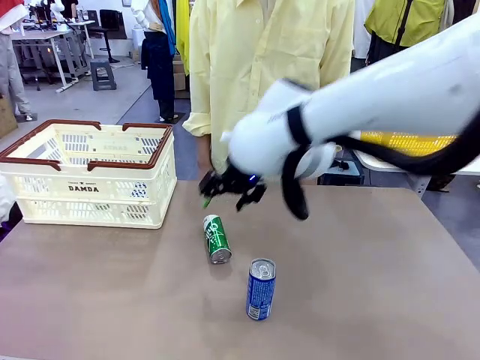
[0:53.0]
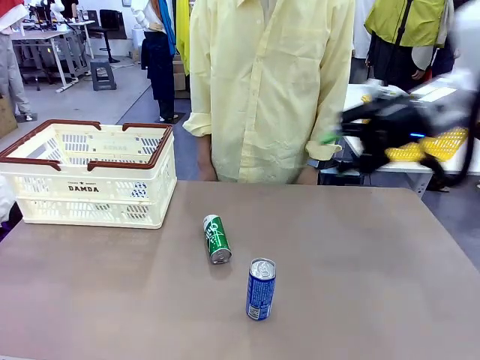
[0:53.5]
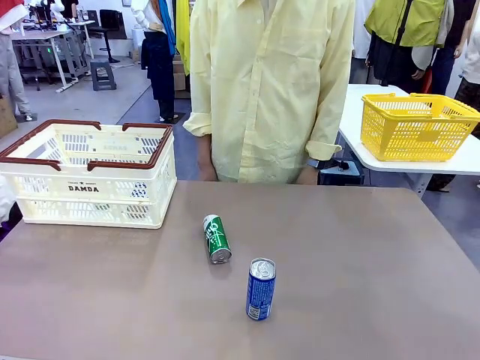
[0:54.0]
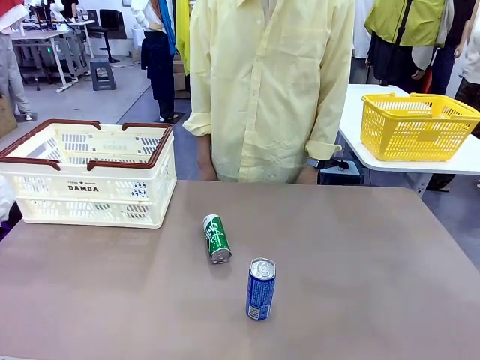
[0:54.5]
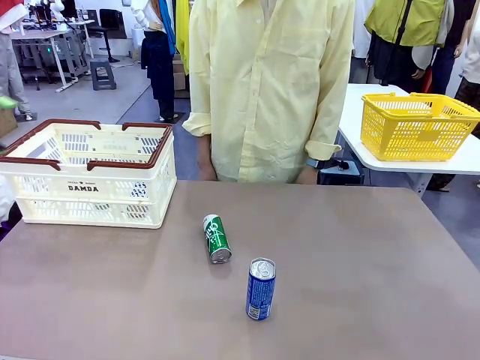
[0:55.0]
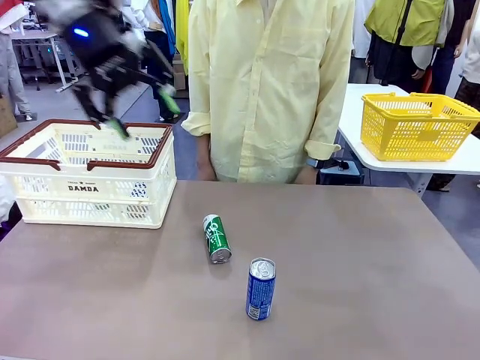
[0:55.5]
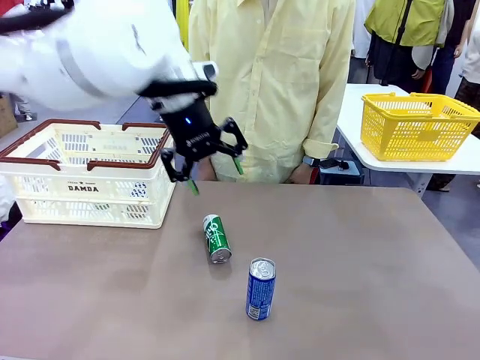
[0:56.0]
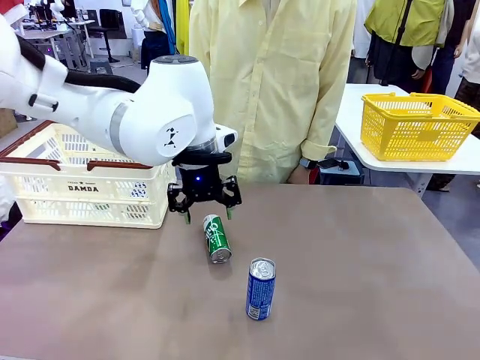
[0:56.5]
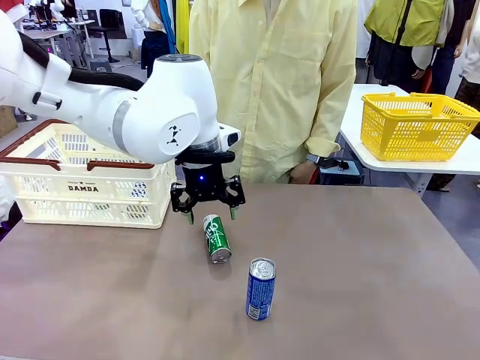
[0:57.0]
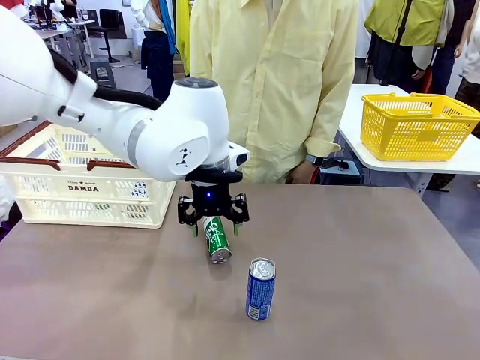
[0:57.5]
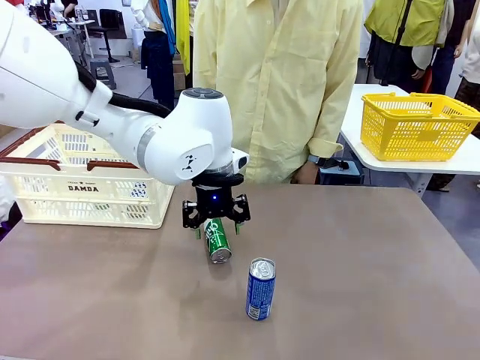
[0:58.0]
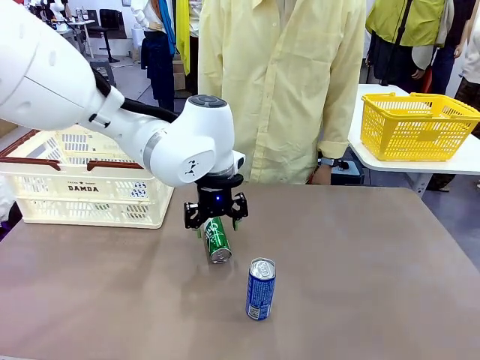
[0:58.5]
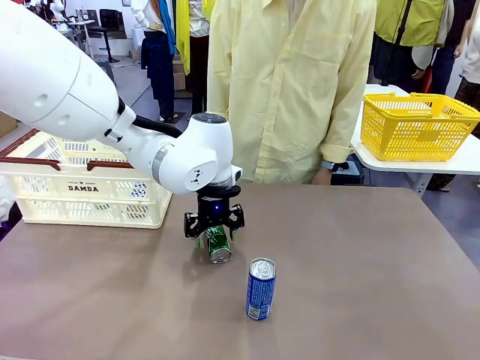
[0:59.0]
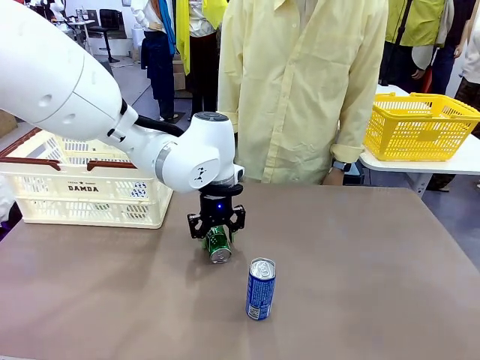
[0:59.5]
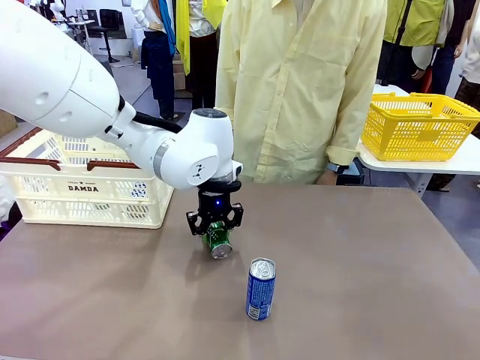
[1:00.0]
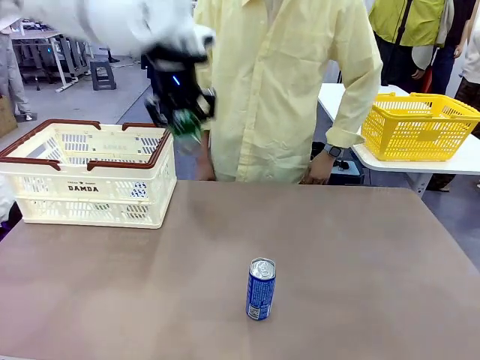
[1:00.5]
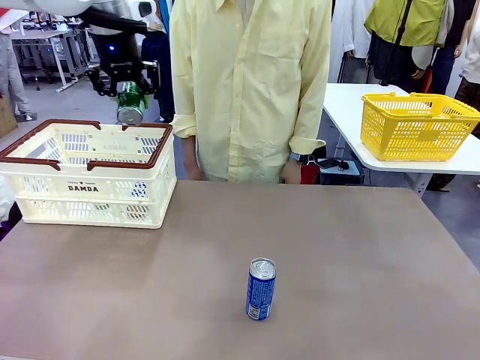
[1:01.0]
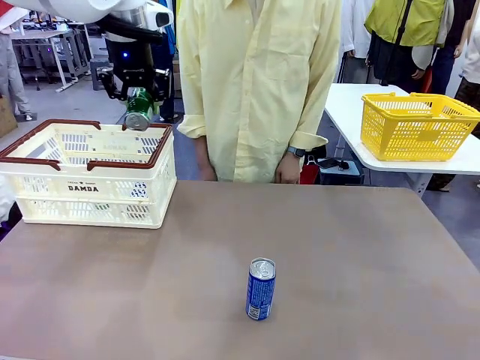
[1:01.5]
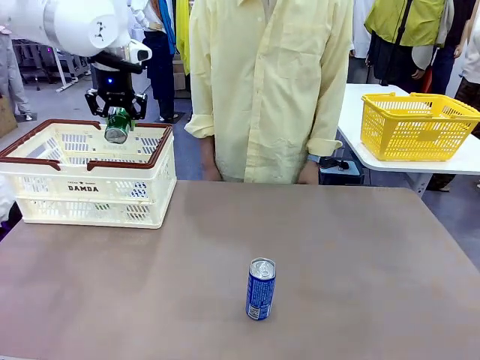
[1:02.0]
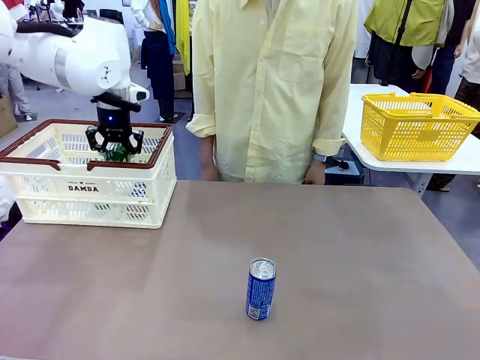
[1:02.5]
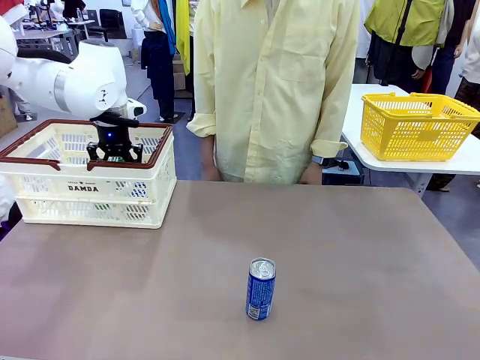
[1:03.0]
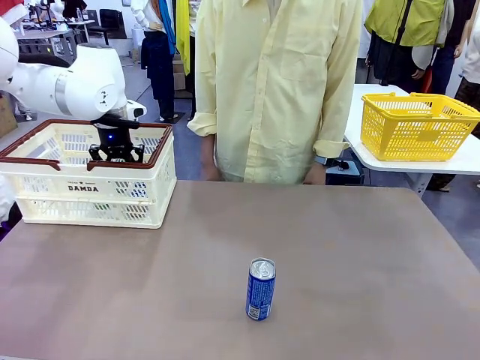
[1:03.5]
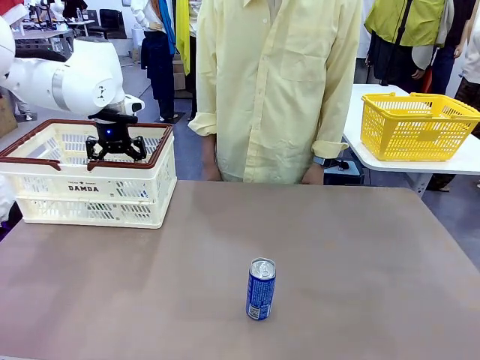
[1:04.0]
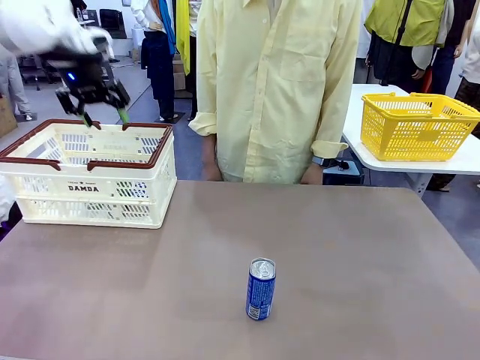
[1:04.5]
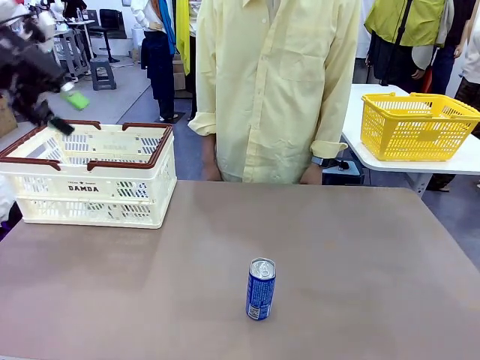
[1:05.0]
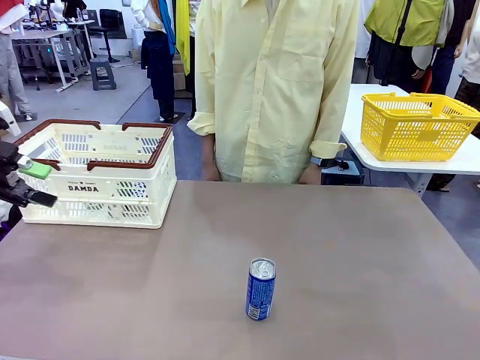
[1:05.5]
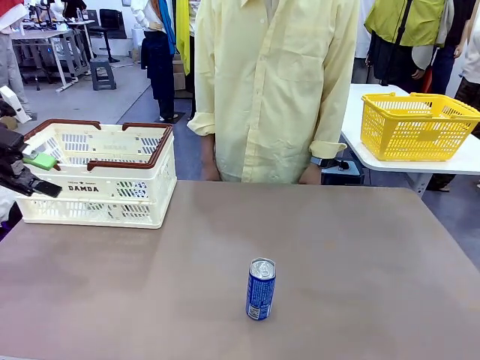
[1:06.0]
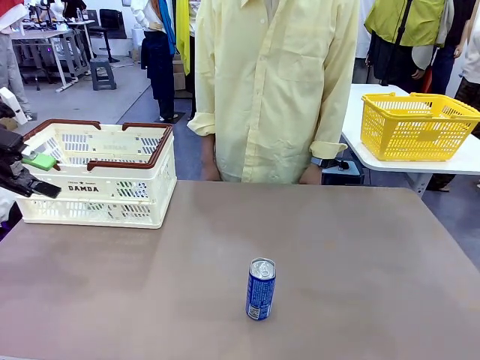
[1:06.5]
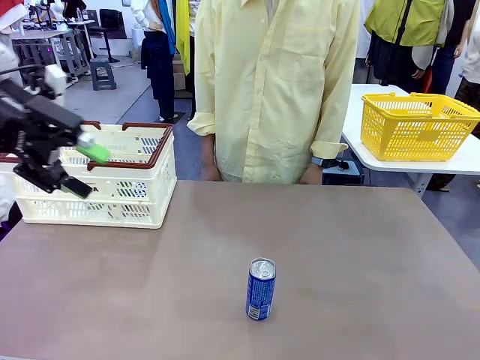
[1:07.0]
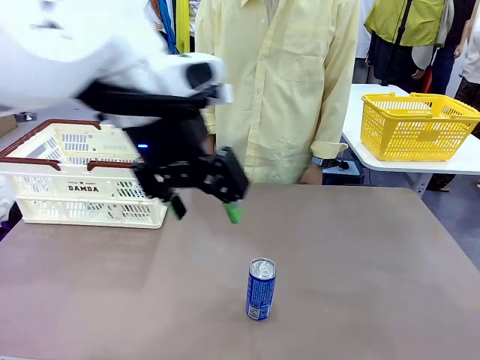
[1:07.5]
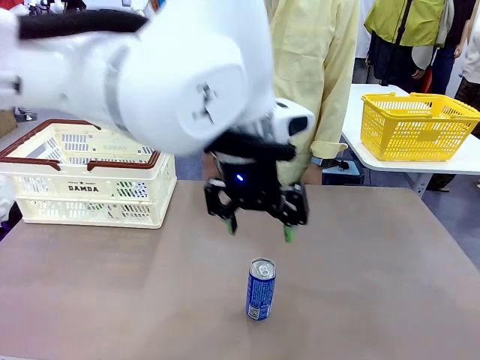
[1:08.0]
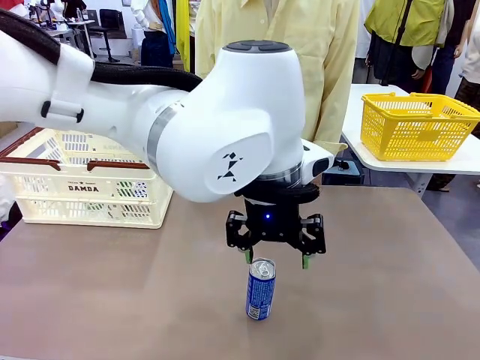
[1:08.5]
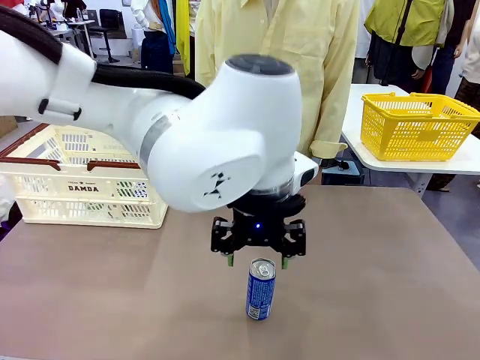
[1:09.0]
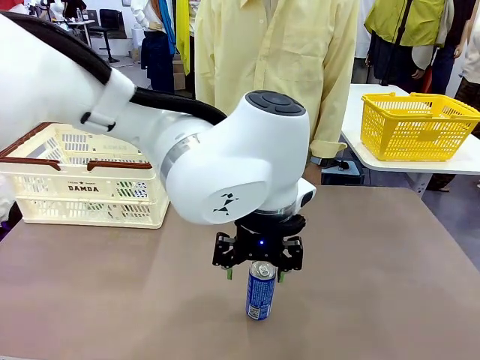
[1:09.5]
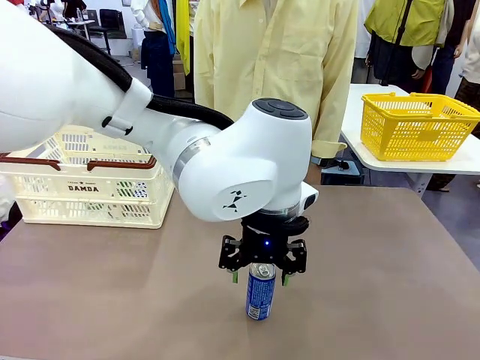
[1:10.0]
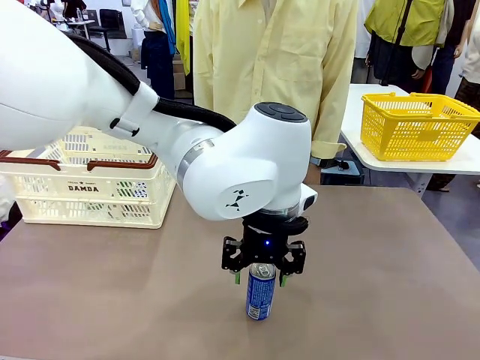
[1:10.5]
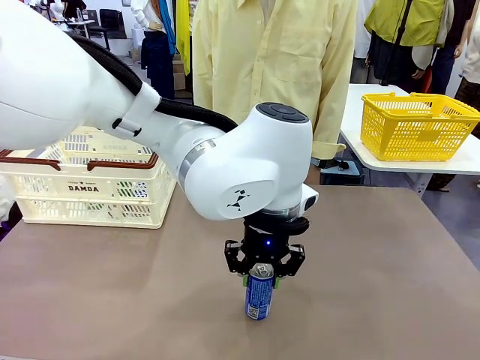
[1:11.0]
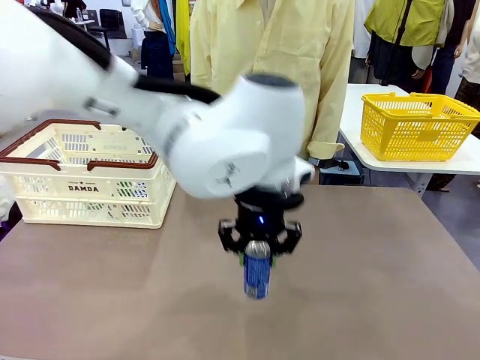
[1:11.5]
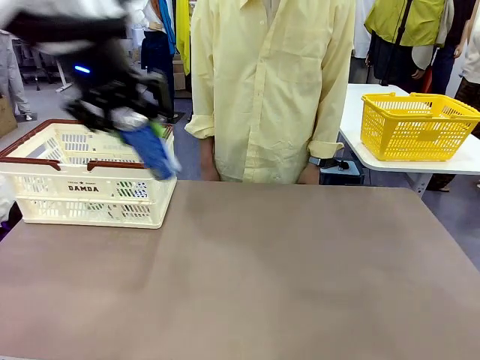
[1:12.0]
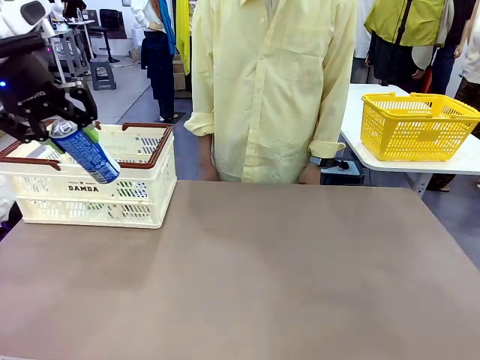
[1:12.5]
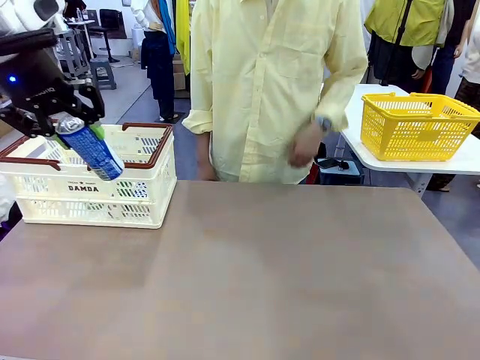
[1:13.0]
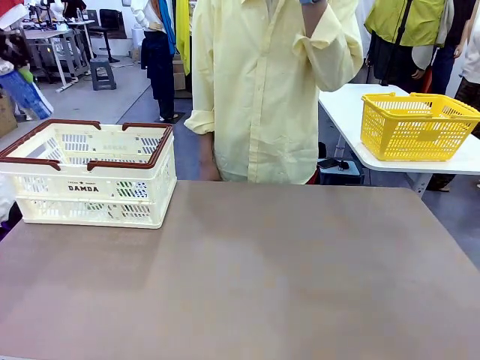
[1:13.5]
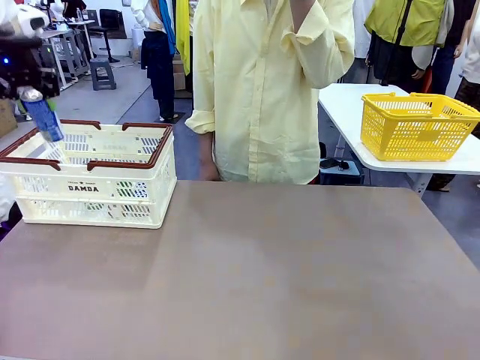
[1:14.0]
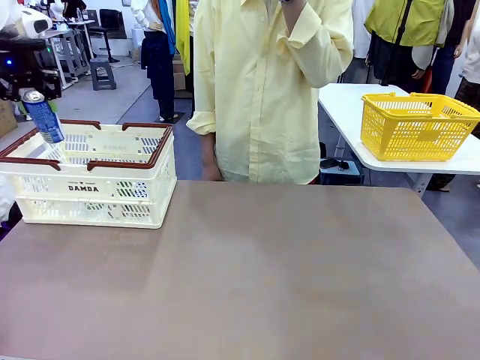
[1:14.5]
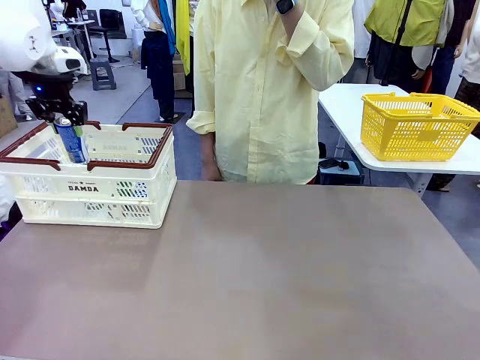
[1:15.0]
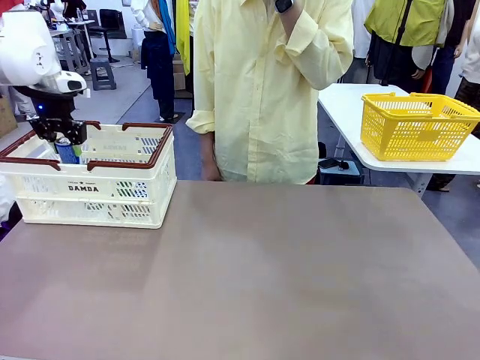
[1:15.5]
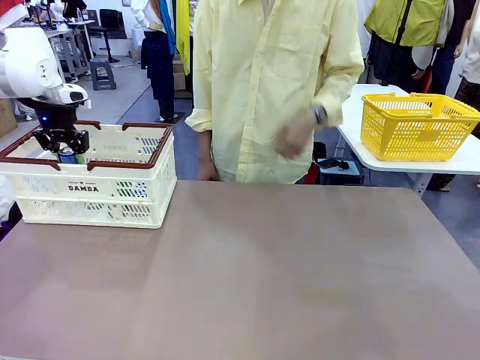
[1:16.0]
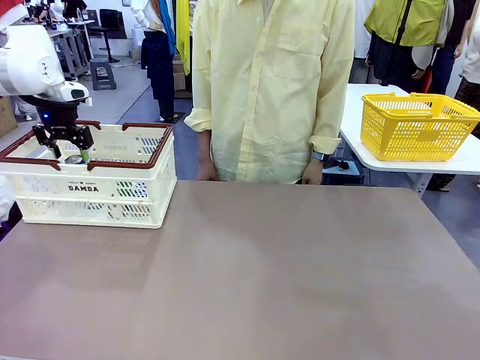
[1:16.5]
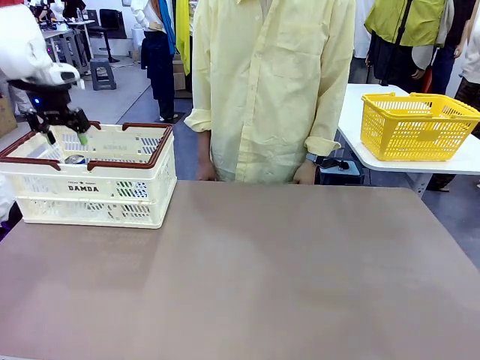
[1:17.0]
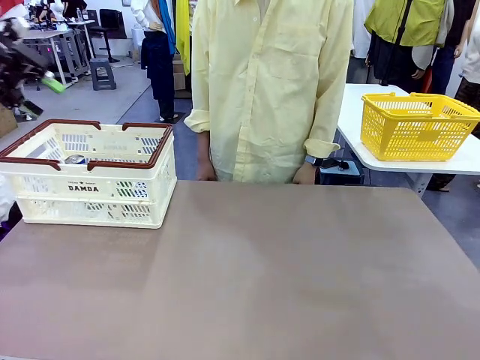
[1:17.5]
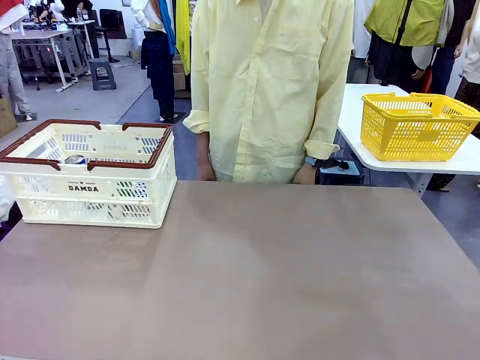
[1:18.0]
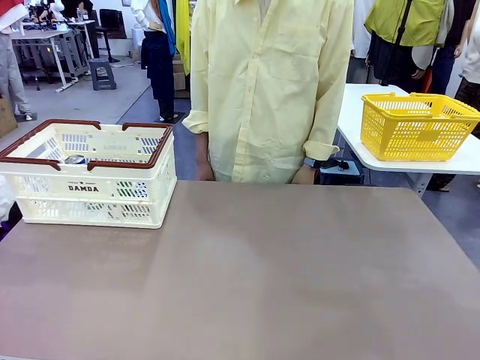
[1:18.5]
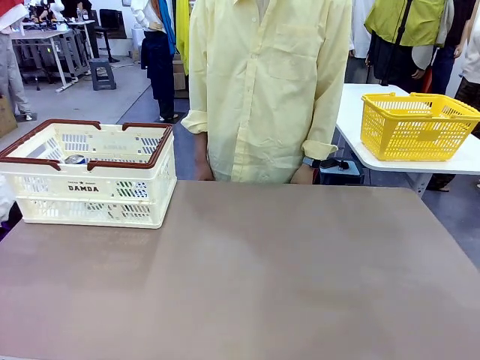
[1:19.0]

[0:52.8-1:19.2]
Task: Place the drinks into the Shopping basket.
Robot: Pick up one drink and place it into the Shopping basket.
